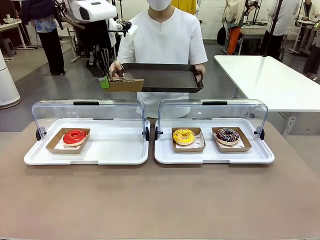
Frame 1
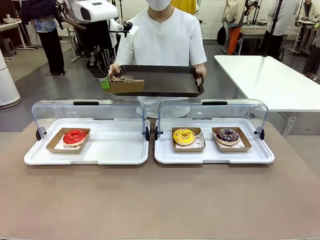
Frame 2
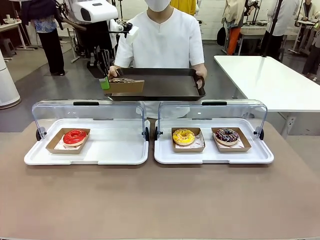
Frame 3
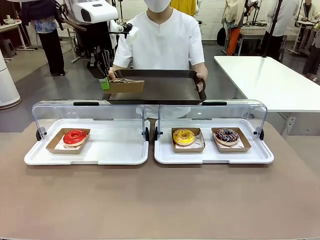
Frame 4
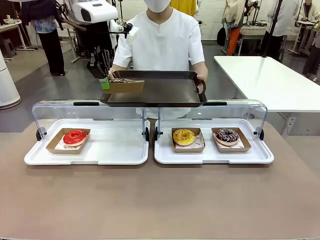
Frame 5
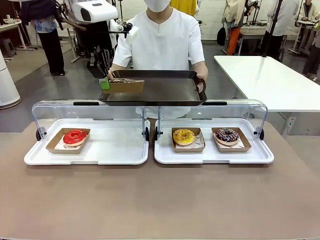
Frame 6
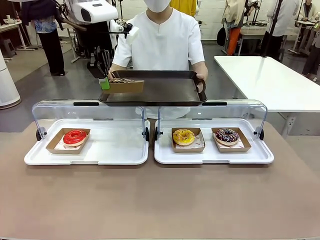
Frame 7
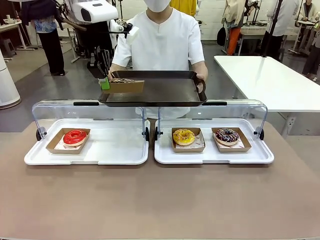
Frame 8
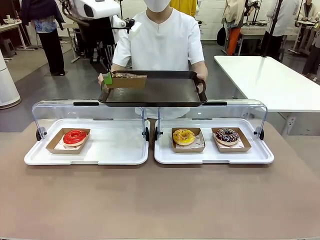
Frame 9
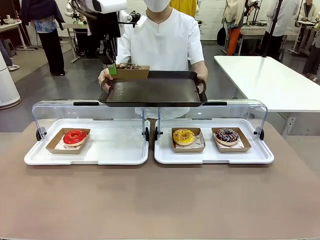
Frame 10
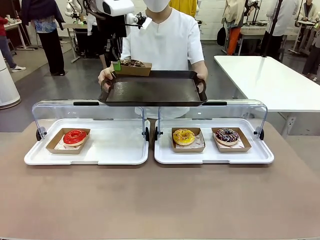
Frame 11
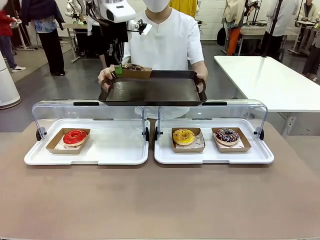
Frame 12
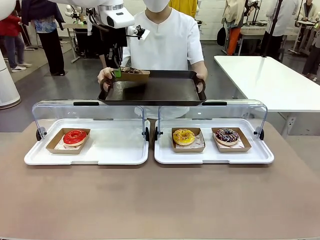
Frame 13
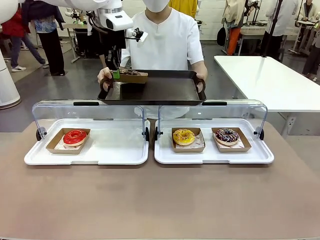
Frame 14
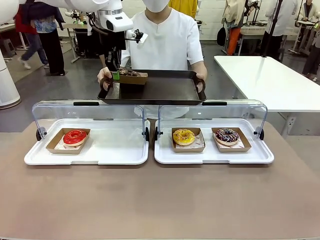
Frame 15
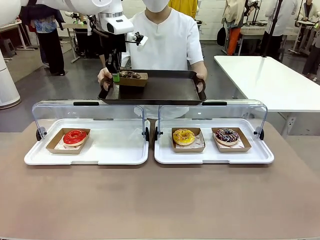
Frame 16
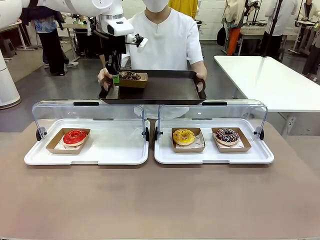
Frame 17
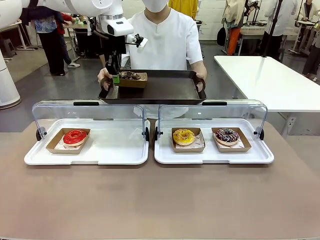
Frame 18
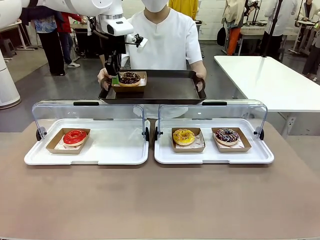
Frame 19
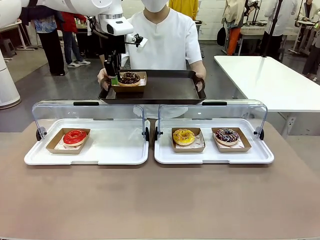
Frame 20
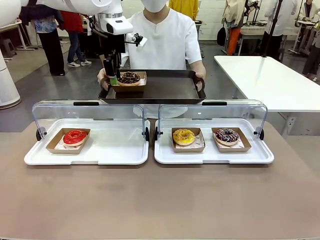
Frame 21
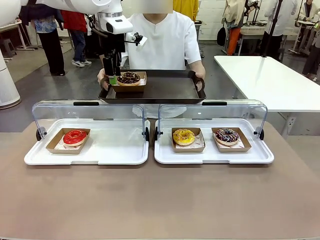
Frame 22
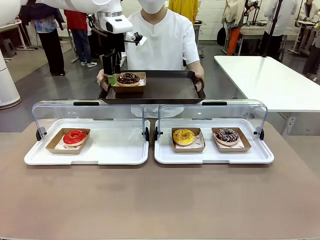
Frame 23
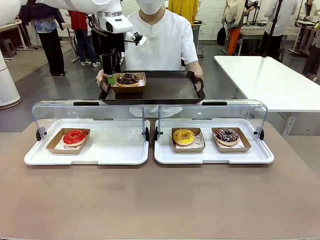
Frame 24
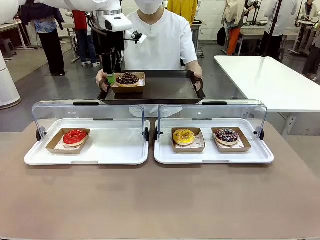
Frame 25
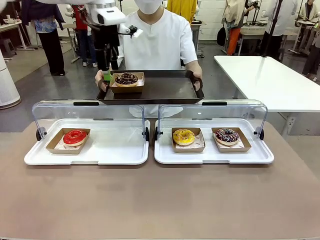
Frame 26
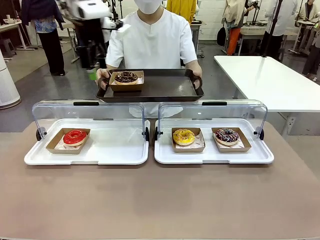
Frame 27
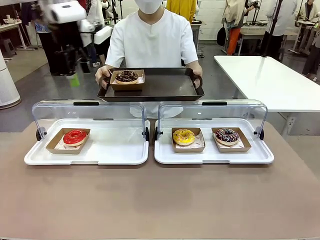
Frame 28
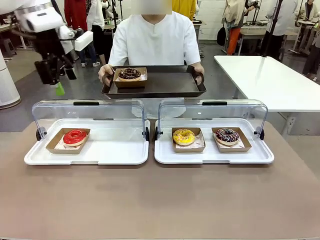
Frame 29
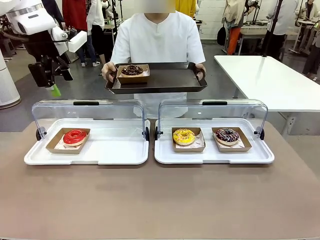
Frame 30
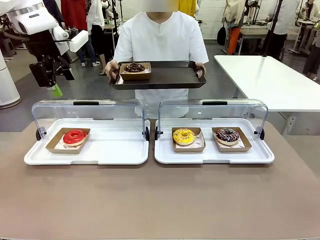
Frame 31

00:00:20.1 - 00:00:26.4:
Task: Provide the desired donut to the person.
Robot: Place the picked Paper togo box onto the Handle tray extended by the person.

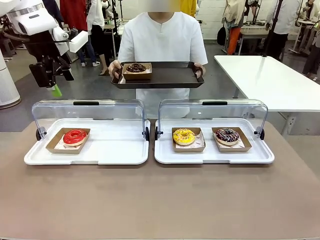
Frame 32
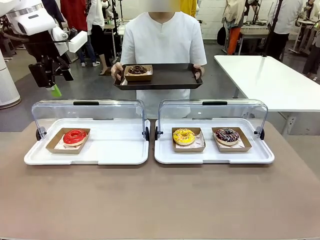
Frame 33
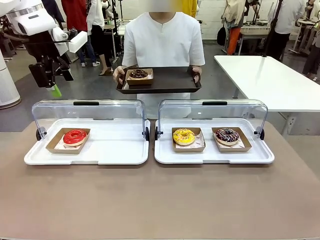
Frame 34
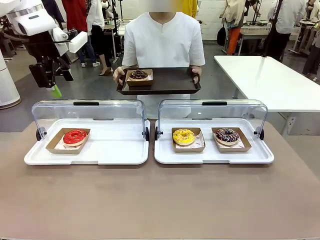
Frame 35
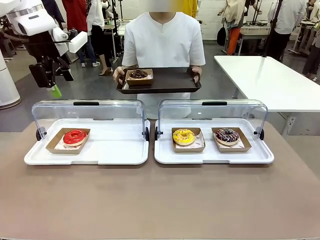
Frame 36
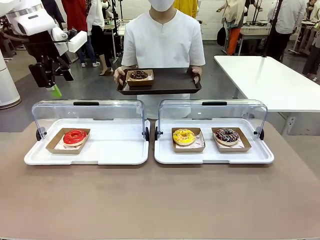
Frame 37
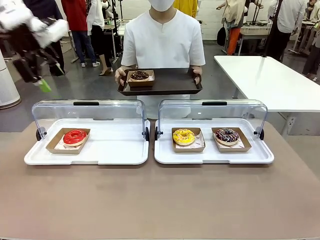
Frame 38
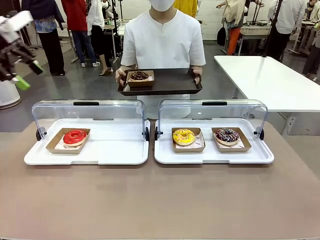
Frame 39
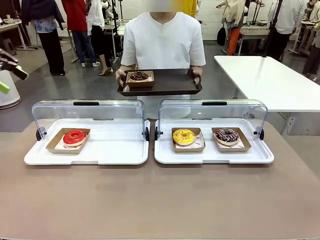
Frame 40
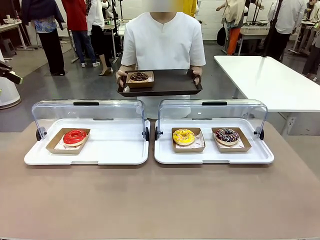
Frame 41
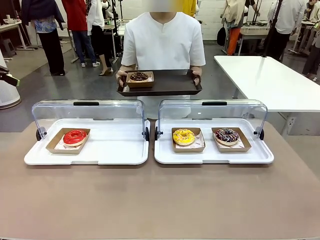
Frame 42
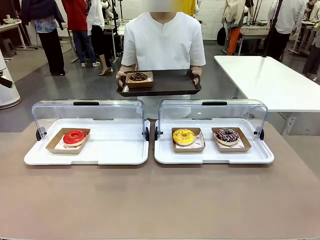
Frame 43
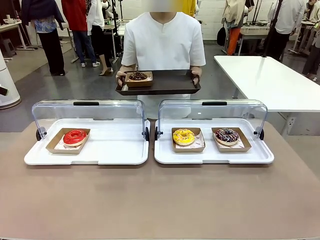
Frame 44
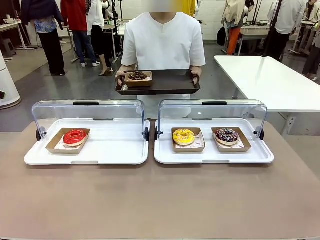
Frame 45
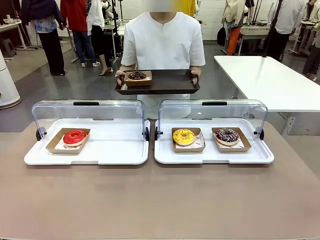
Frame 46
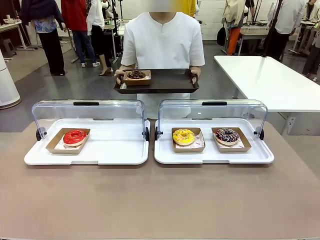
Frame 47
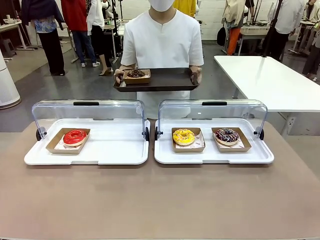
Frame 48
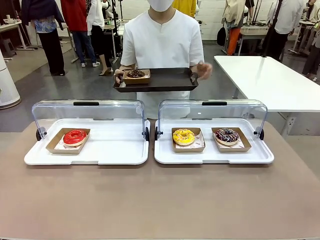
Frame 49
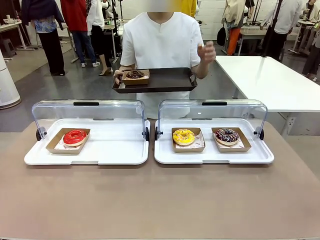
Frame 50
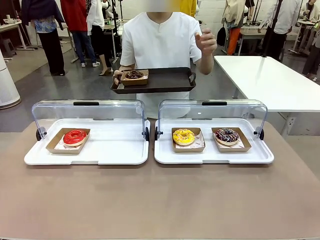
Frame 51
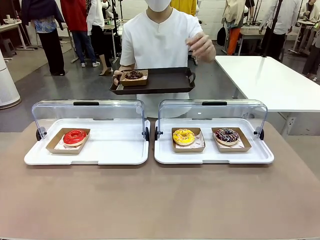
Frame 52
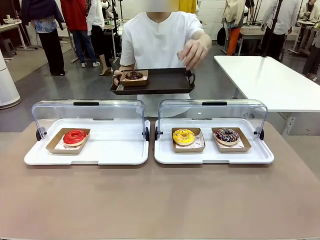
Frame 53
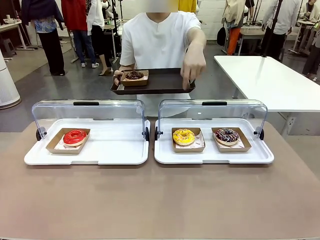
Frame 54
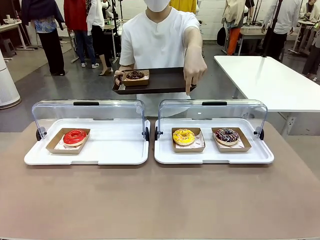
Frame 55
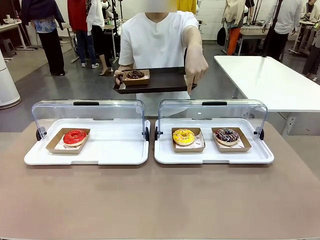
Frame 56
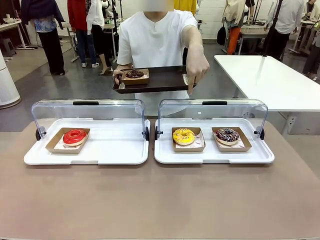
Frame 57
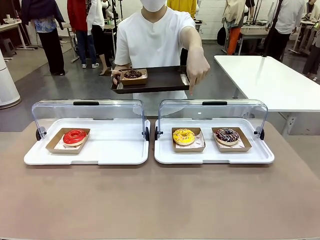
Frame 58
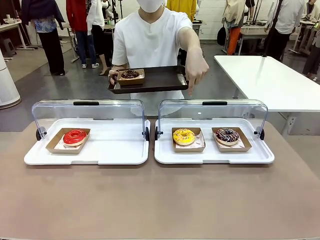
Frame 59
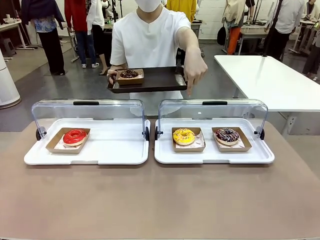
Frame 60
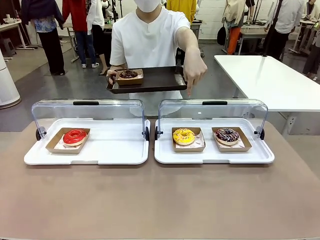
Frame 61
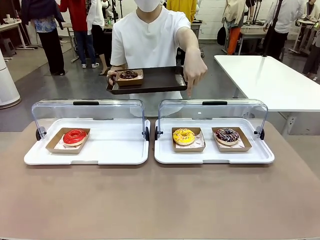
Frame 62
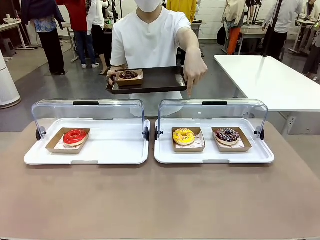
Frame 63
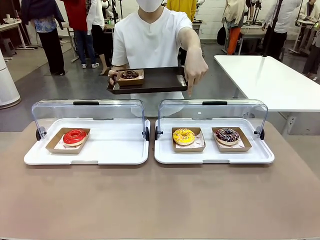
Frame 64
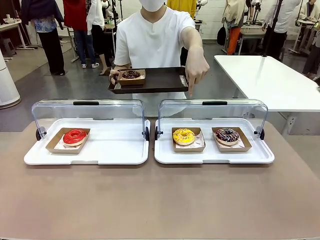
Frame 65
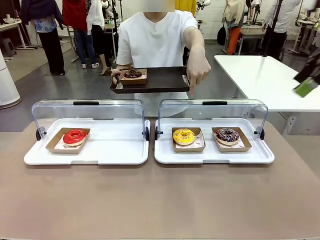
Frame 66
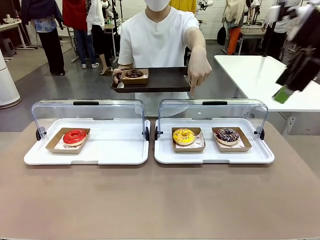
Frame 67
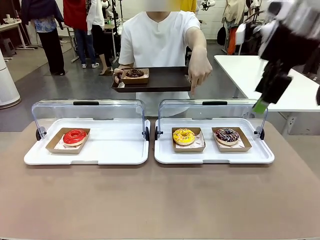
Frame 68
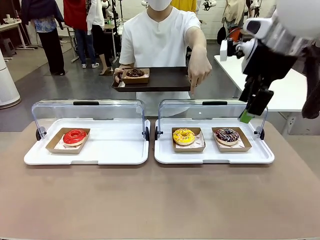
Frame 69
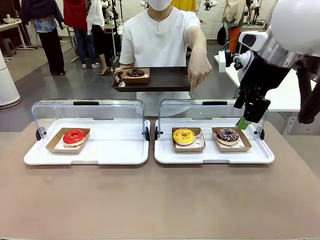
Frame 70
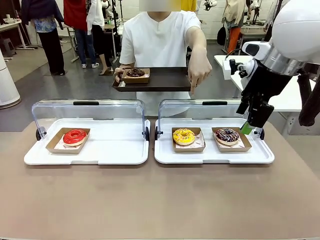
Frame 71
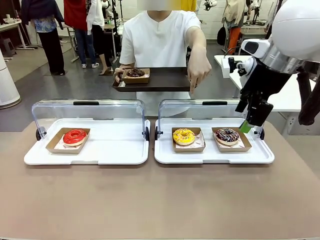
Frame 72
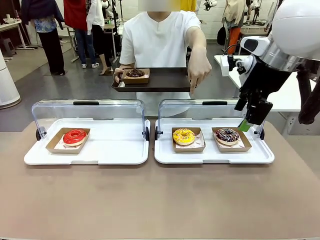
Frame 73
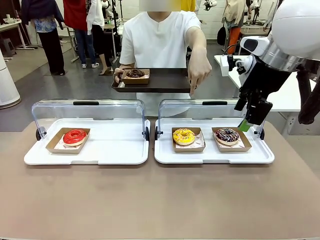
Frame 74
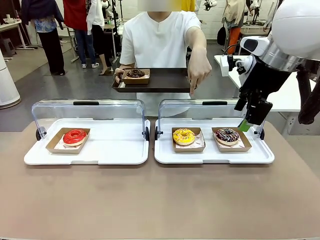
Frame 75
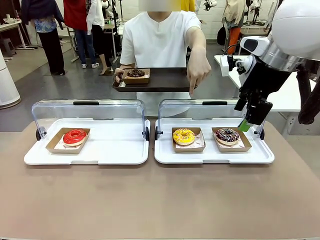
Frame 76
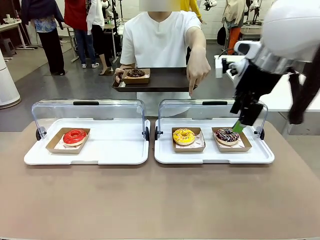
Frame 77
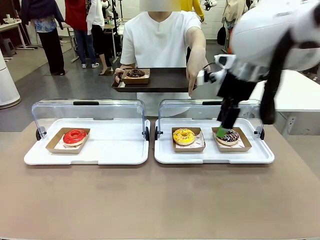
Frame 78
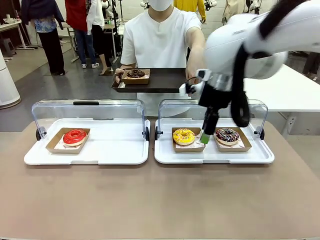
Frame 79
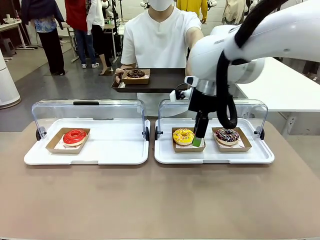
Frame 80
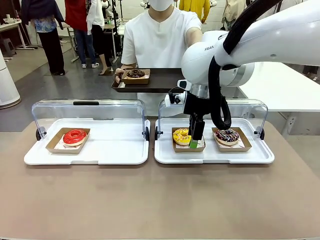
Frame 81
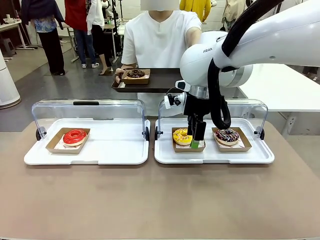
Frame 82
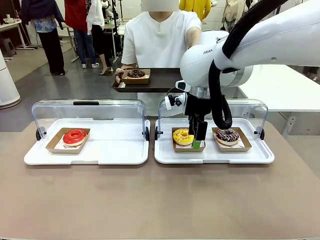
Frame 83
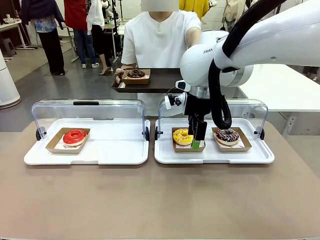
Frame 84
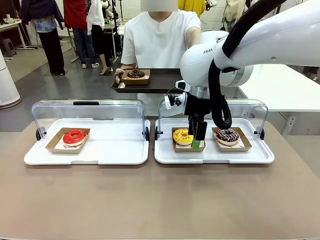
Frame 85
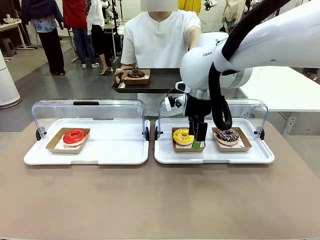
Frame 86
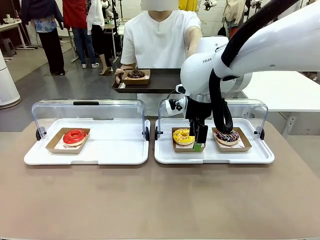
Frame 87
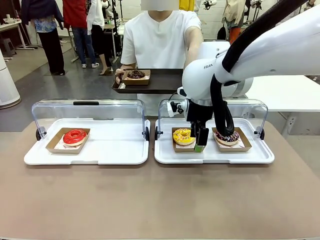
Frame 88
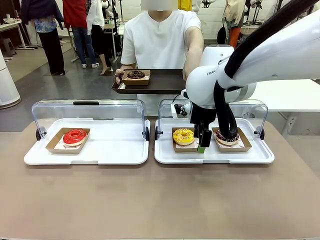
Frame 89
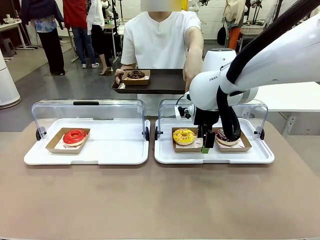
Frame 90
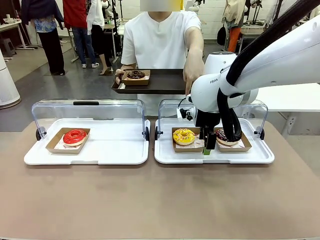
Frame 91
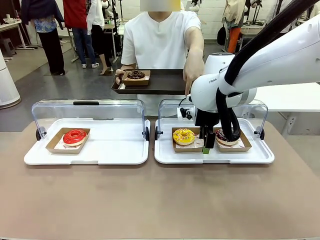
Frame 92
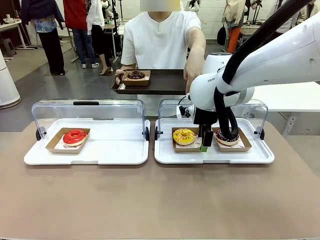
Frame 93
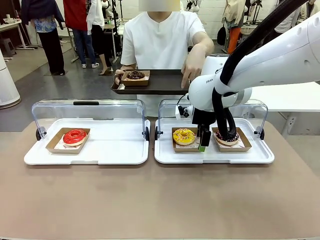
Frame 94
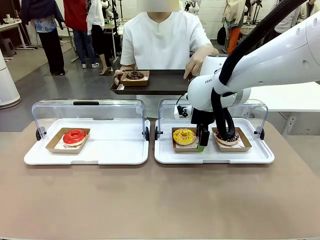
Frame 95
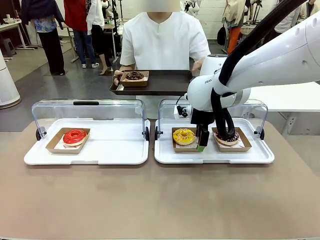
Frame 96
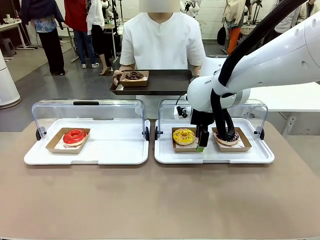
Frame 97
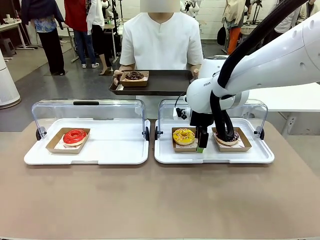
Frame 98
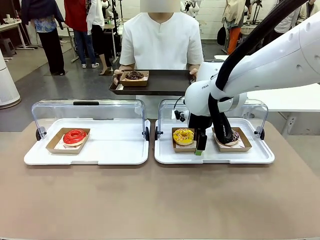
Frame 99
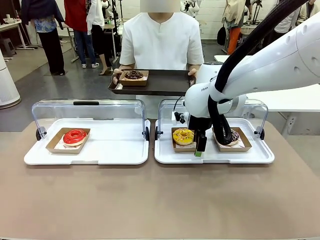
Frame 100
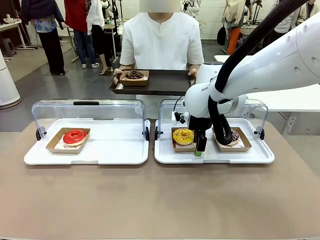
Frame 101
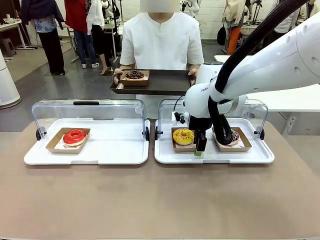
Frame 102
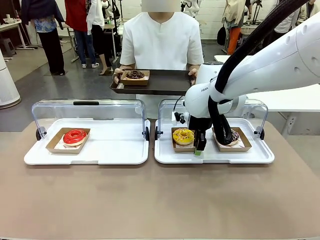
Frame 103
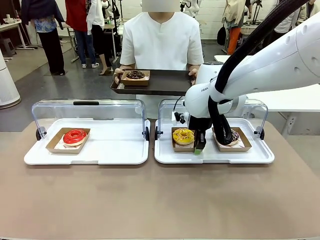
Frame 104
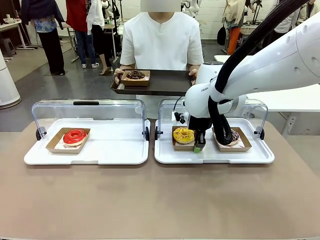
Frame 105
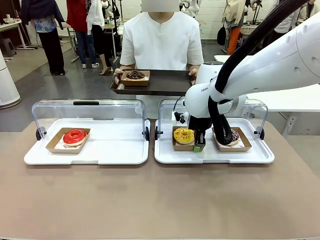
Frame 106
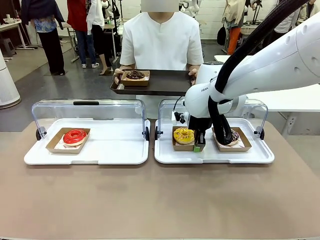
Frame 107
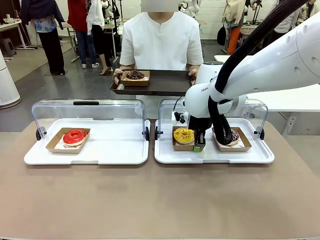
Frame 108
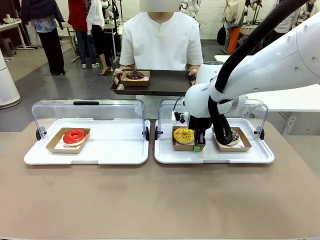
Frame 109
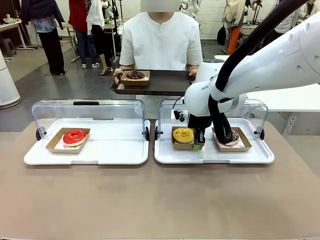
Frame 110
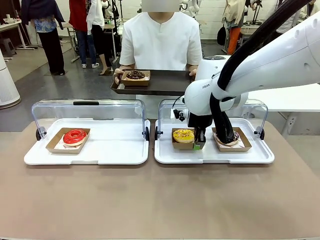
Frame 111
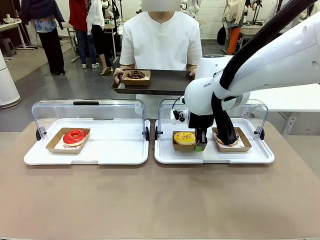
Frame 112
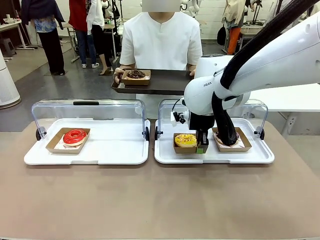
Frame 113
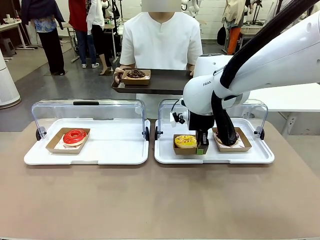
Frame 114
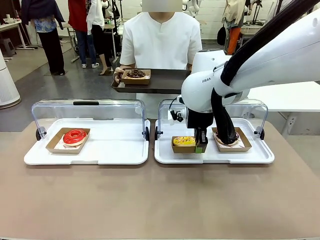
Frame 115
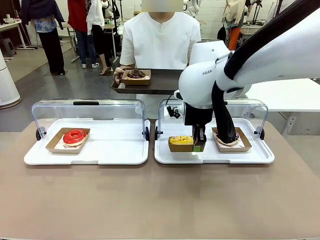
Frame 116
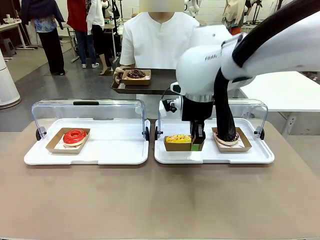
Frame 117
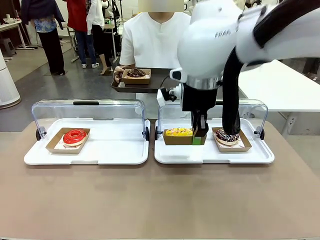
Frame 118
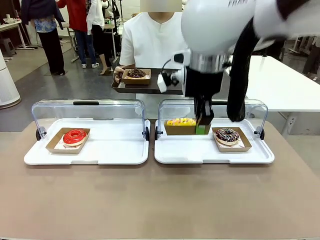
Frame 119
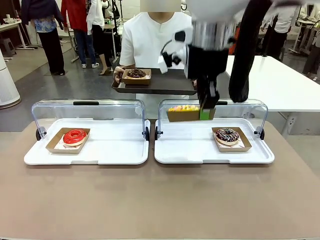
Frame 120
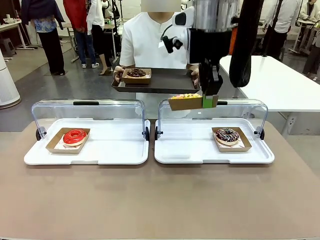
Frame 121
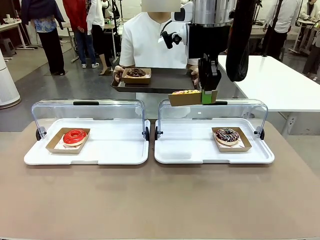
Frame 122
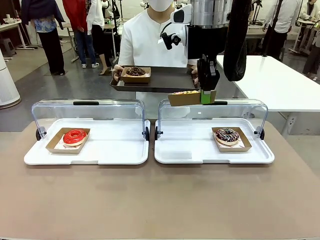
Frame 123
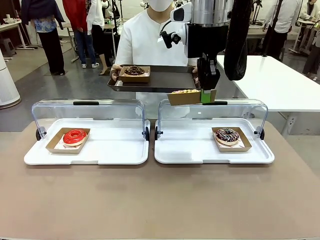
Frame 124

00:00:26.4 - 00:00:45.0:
Robot: Pick up and lift the Paper togo box containing the Donut pointed at by the person.
Person: Point to one donut. Lift the tray onto the Roll-Top Bakery Case.
